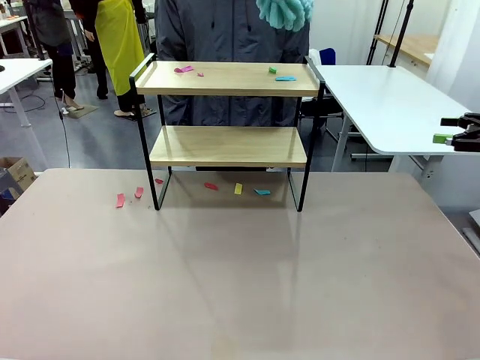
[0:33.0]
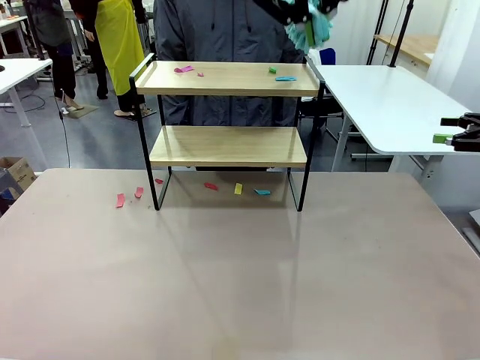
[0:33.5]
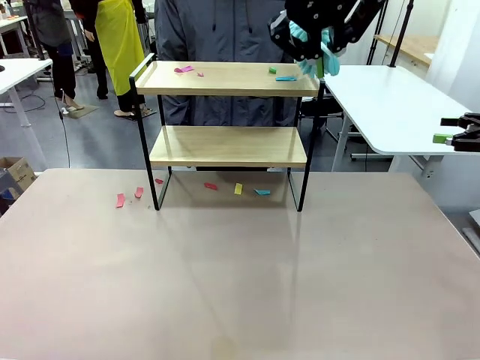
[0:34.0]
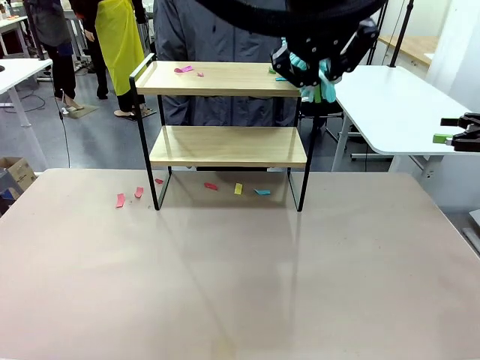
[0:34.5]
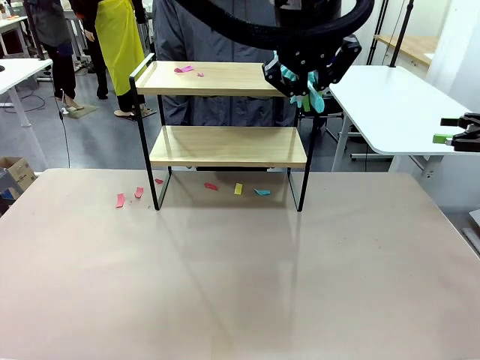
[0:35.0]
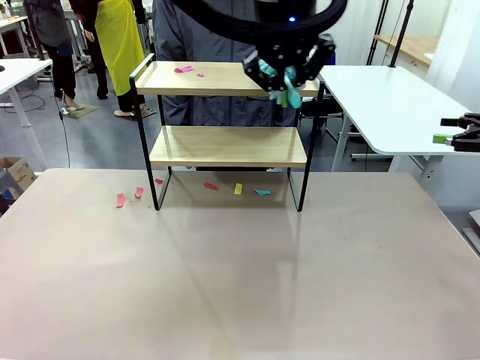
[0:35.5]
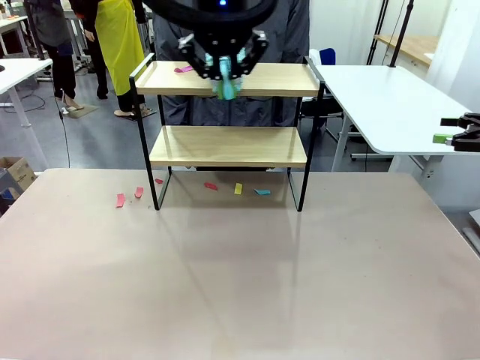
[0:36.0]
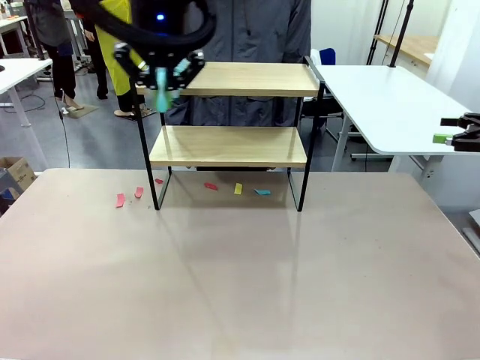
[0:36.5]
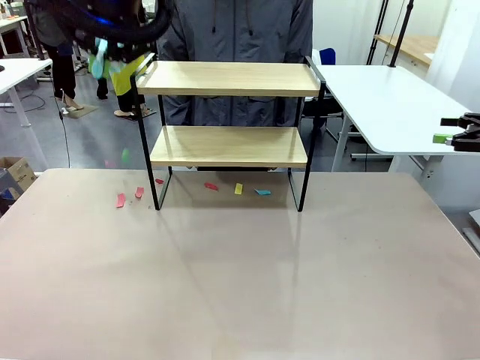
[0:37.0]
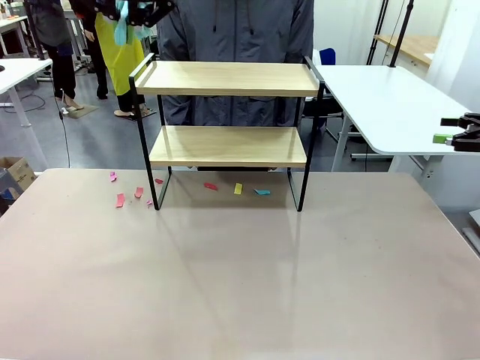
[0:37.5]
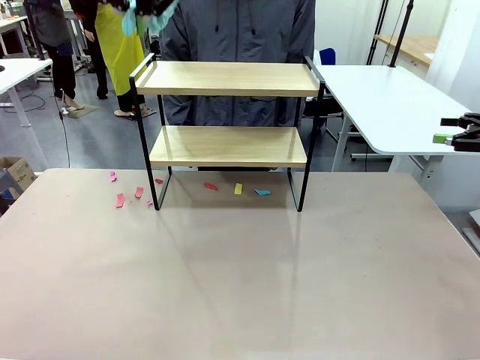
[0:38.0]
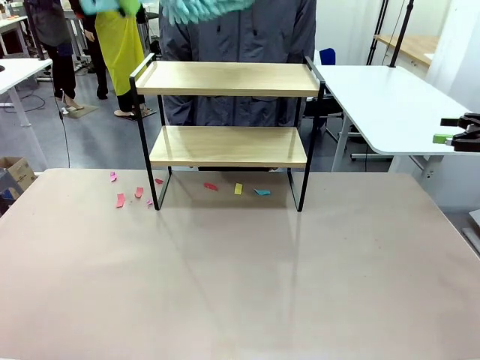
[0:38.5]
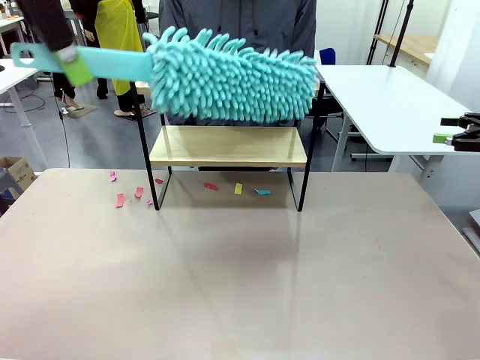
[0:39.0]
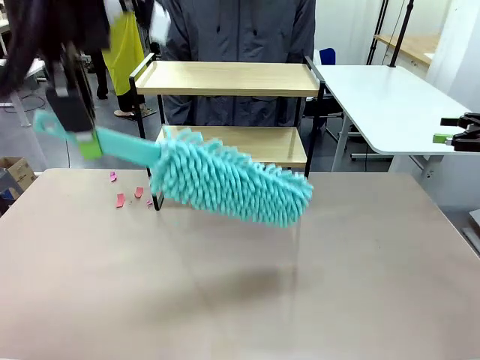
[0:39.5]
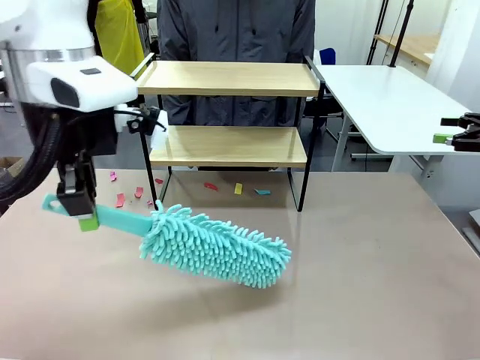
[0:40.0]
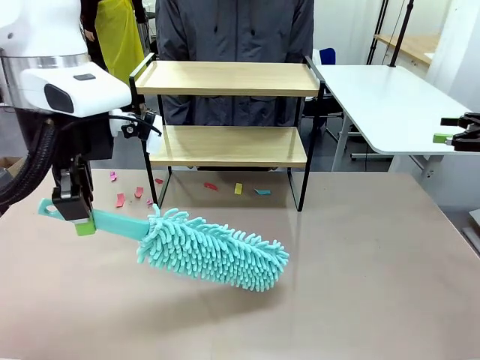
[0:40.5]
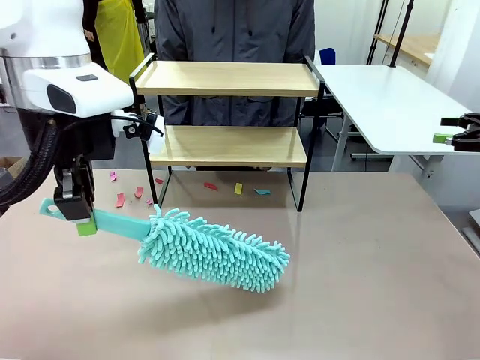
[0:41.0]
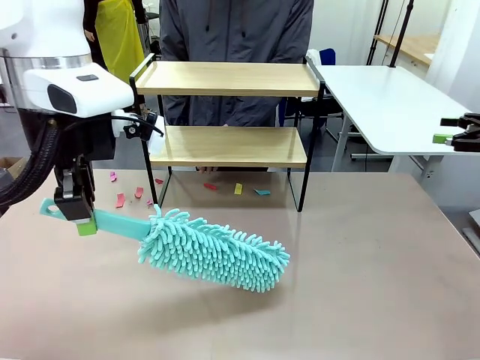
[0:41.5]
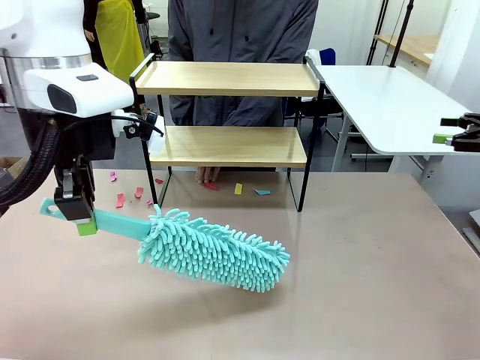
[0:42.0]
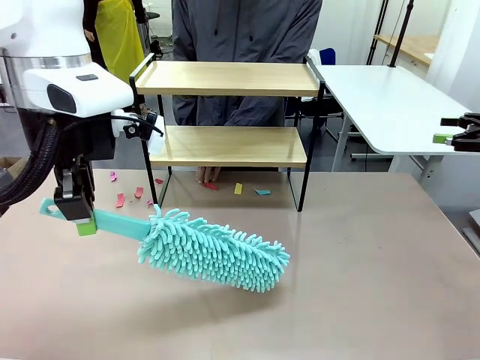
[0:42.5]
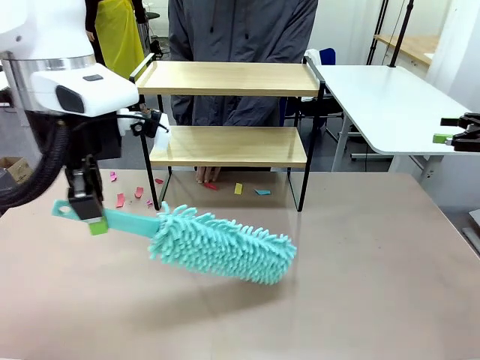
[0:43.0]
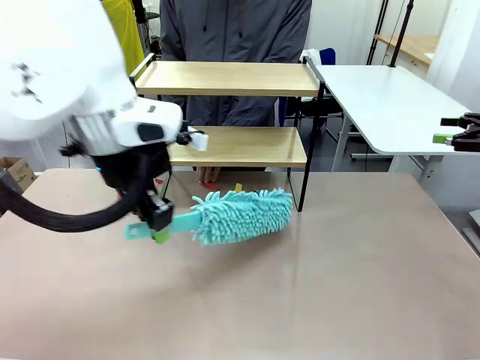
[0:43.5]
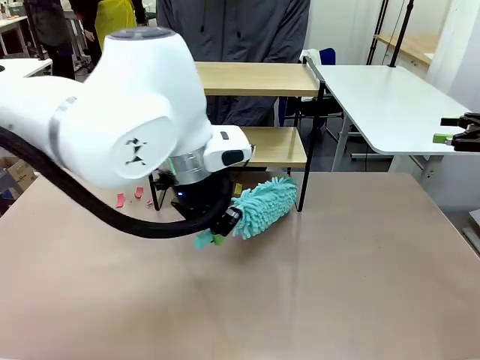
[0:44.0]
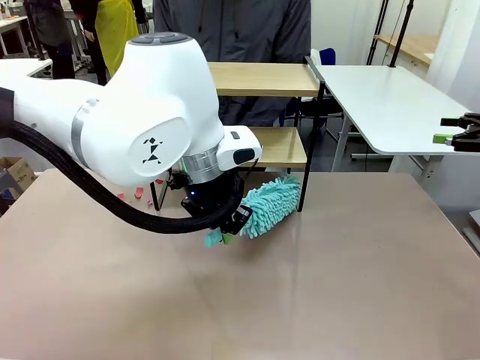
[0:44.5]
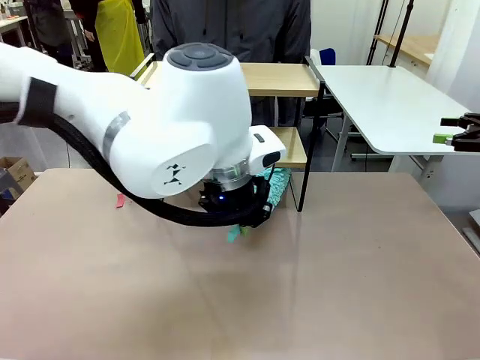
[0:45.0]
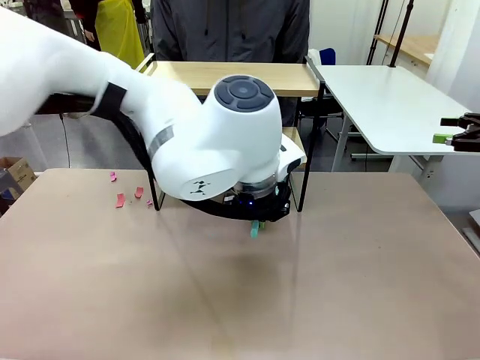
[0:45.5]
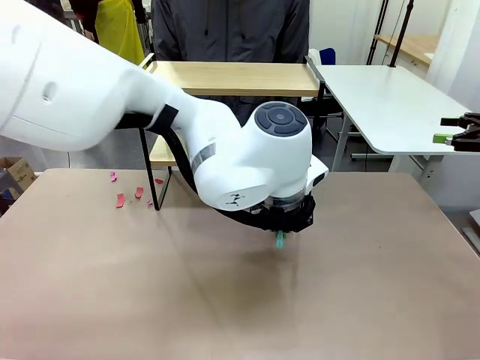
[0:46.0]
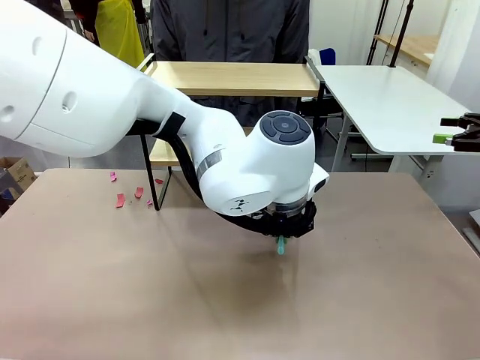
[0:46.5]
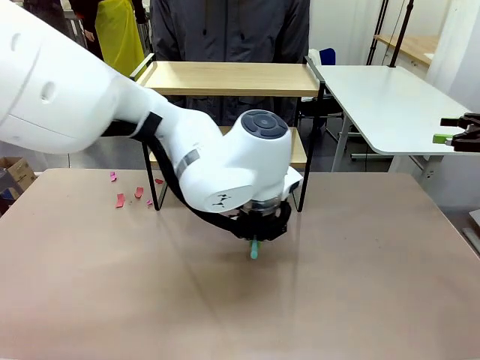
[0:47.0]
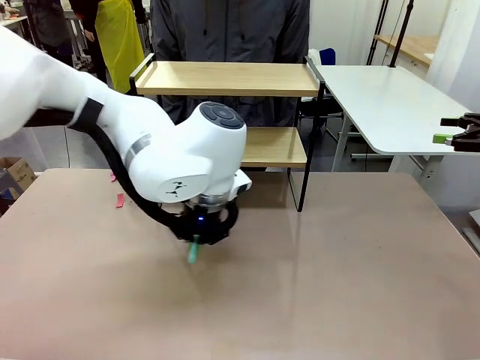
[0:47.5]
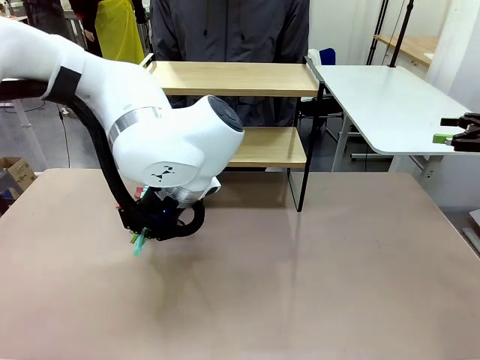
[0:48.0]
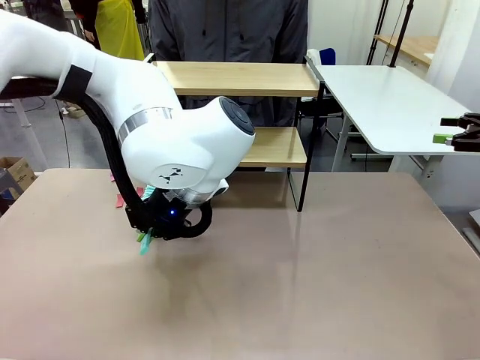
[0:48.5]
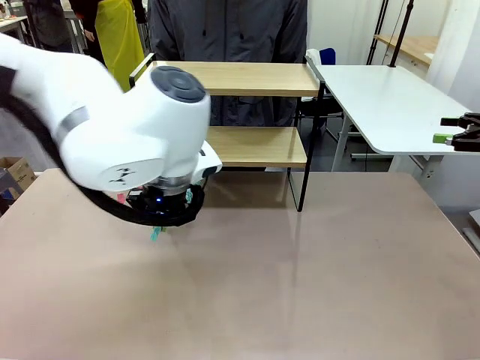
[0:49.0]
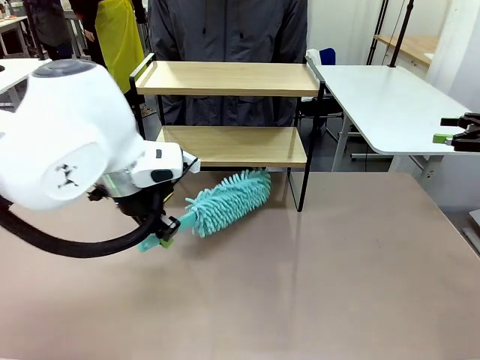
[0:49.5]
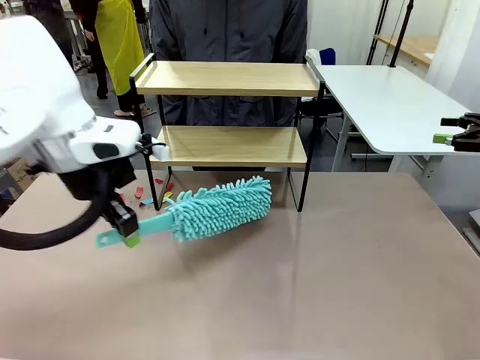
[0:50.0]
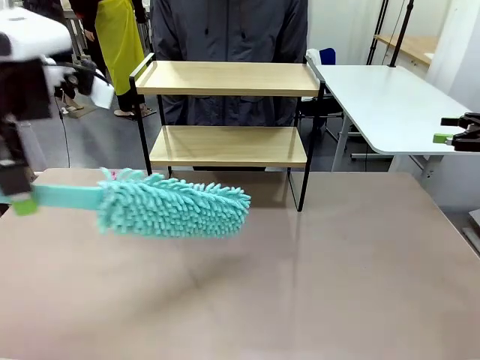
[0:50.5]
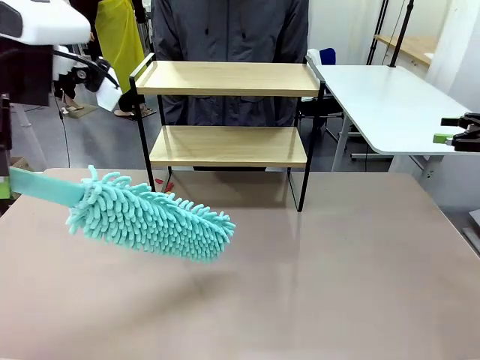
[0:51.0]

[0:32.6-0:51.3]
Task: Clean the shelf.
Robot: Clean the specific section of the Shelf indicated by the human with the Duster.
Person: Point a remaining section of the Shelf.

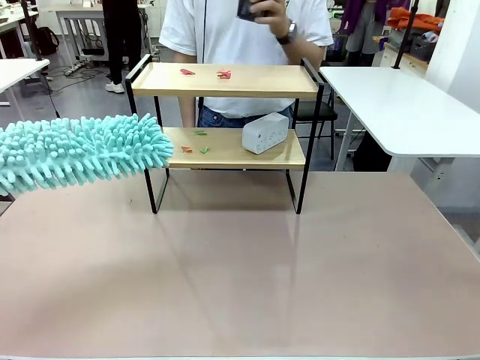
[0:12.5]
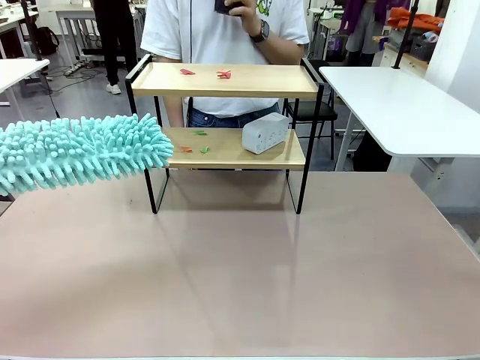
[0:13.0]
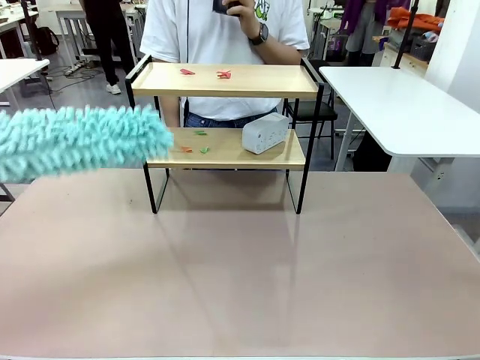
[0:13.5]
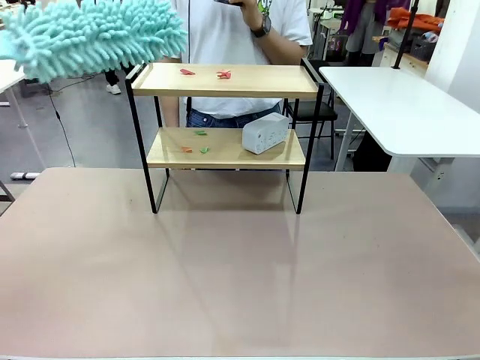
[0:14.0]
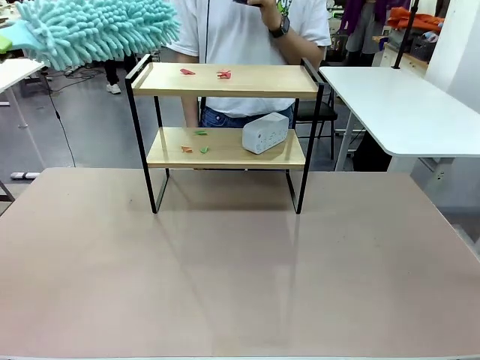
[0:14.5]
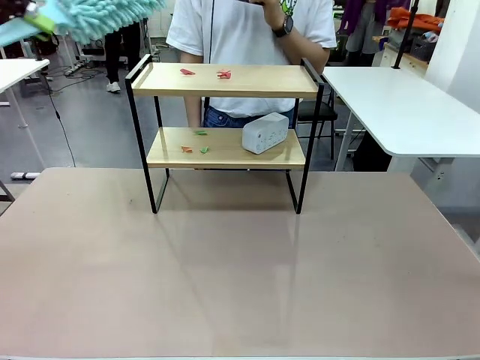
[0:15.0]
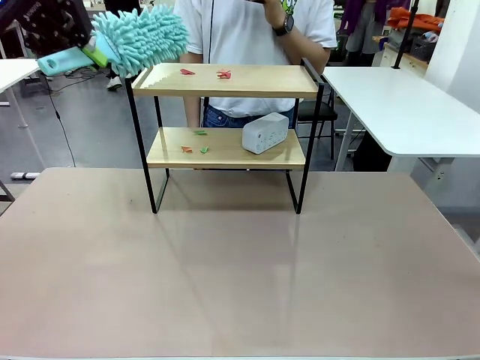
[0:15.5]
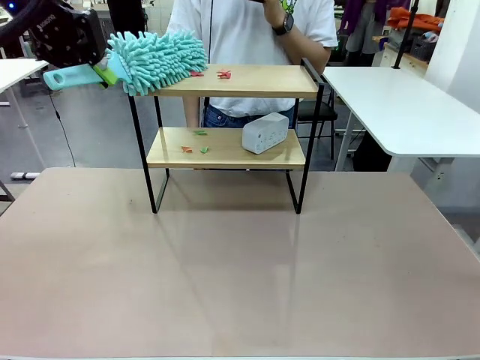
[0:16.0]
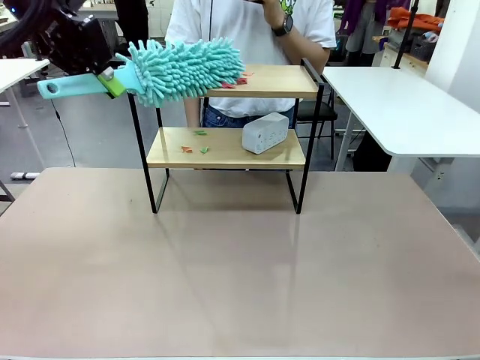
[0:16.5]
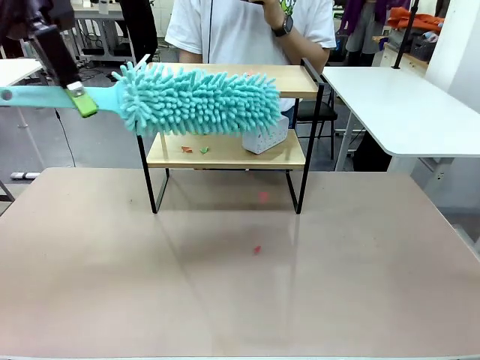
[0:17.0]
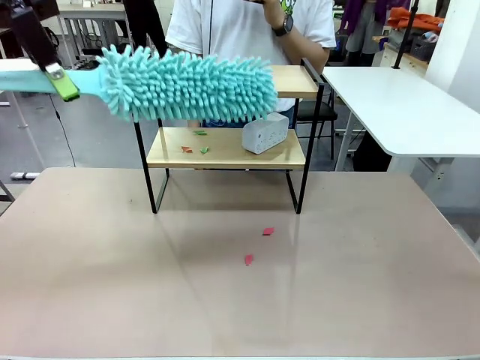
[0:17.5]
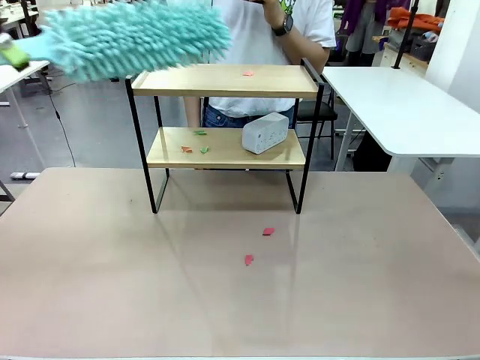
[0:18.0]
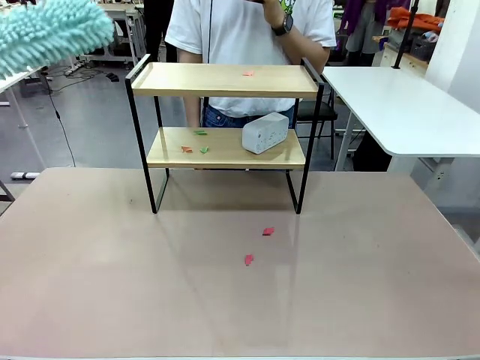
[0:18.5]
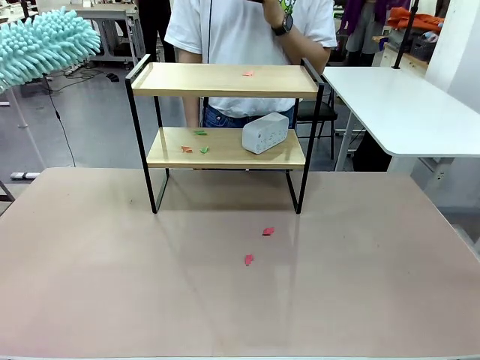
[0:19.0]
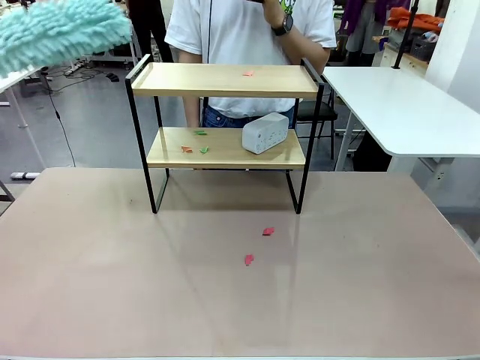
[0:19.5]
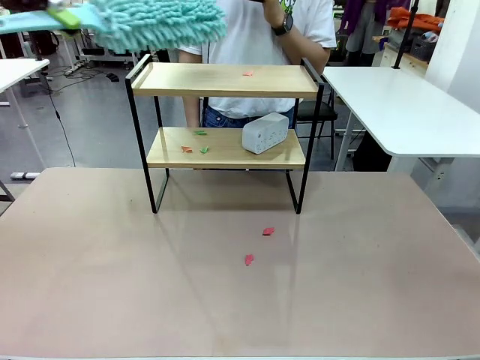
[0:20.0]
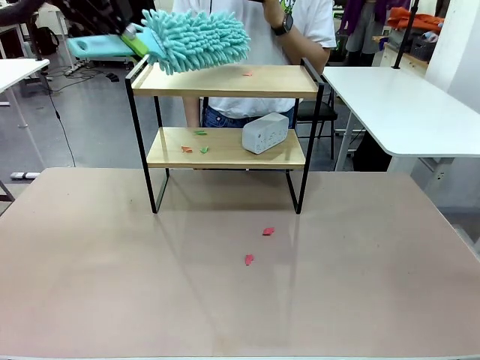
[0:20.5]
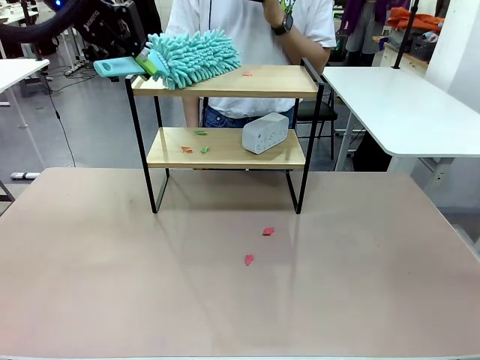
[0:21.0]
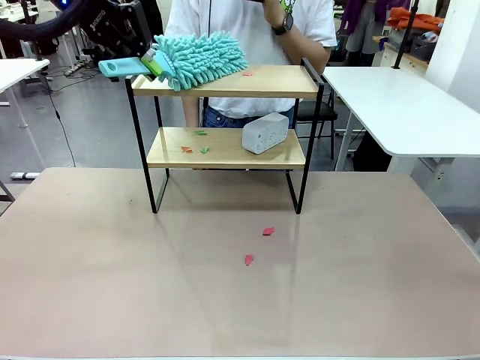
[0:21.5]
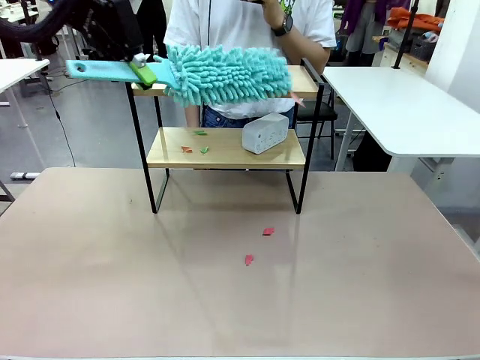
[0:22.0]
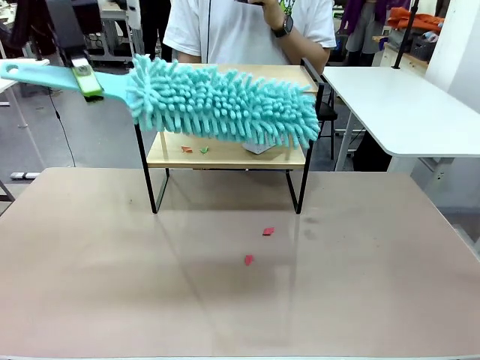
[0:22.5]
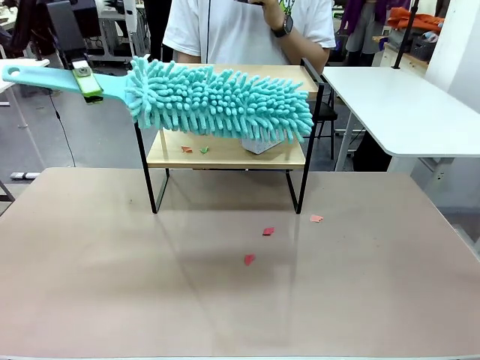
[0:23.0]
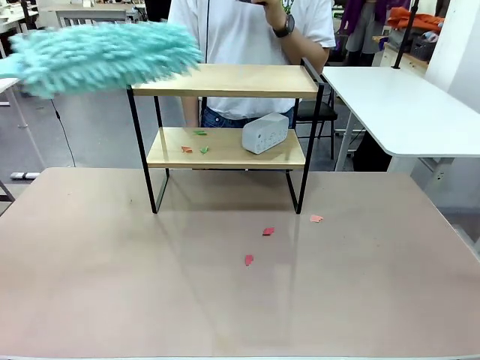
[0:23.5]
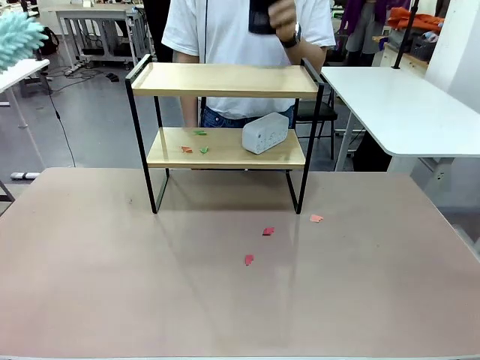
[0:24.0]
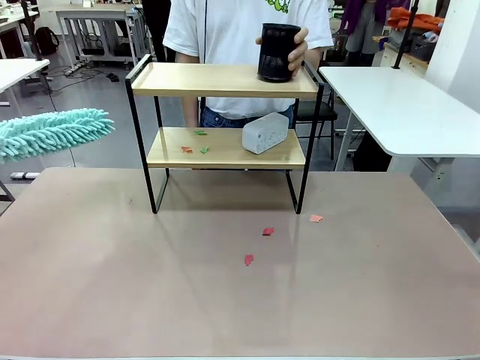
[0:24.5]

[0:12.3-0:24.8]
Task: Clean the shelf.
Robot: Clean the specific tier of the Shelf with the Duster once objects are removed.
Person: Once the robot finishes cleaning, lift the objects on the remaining tiers of the Shelf.
